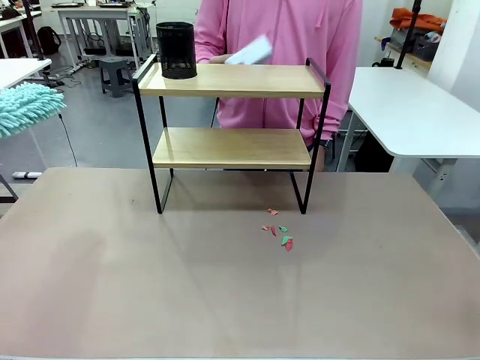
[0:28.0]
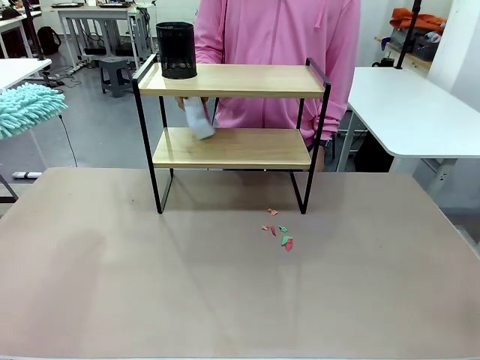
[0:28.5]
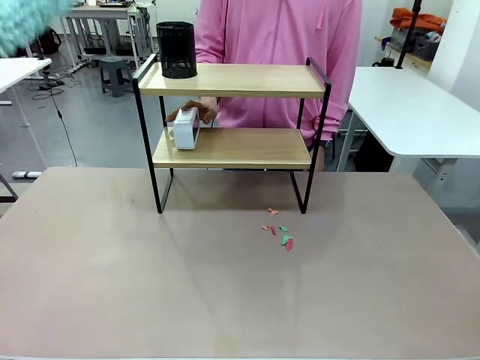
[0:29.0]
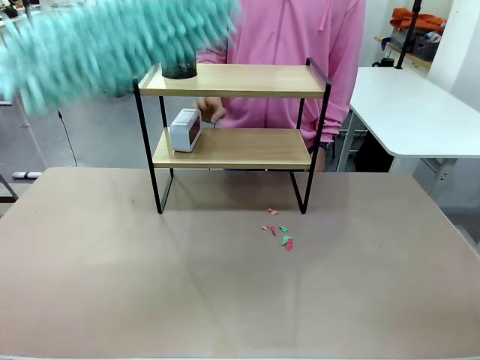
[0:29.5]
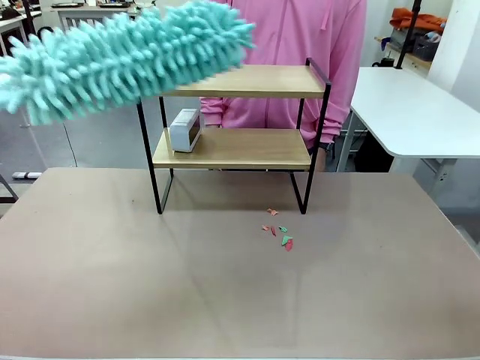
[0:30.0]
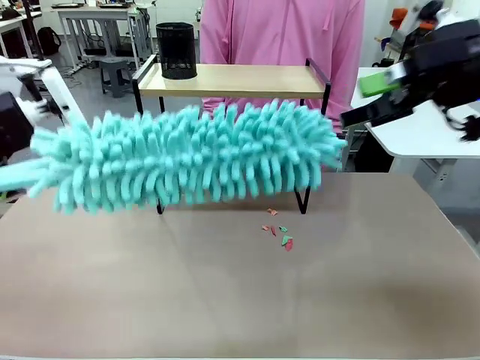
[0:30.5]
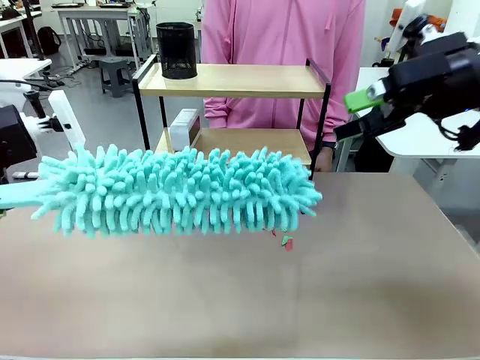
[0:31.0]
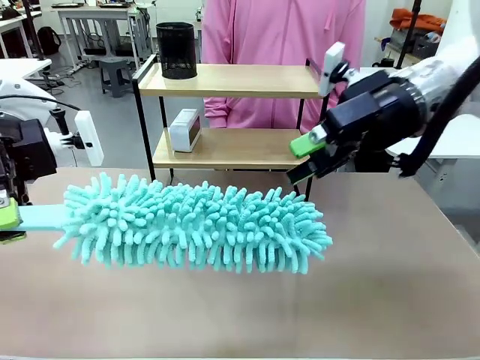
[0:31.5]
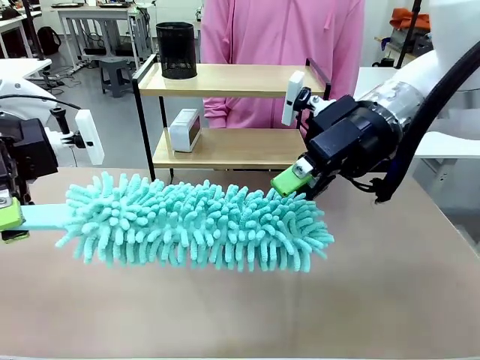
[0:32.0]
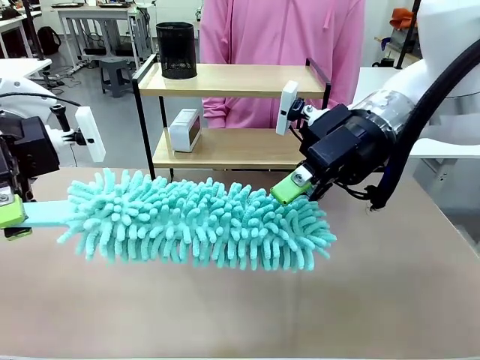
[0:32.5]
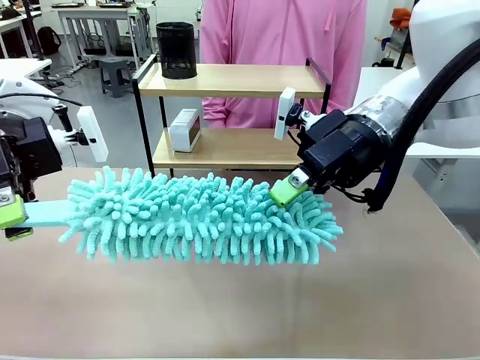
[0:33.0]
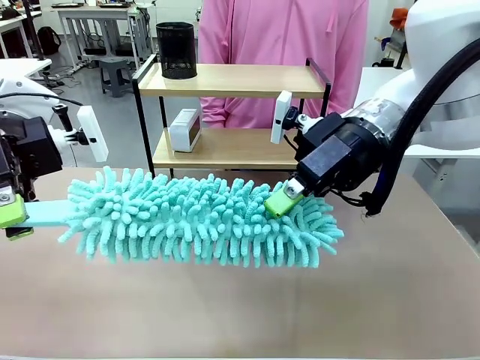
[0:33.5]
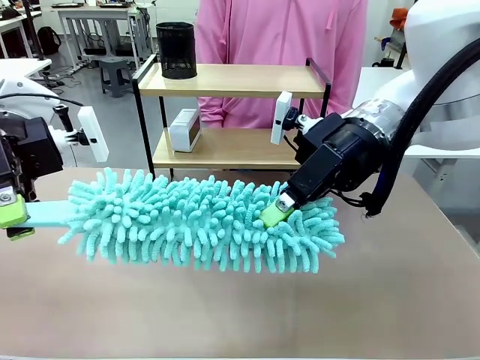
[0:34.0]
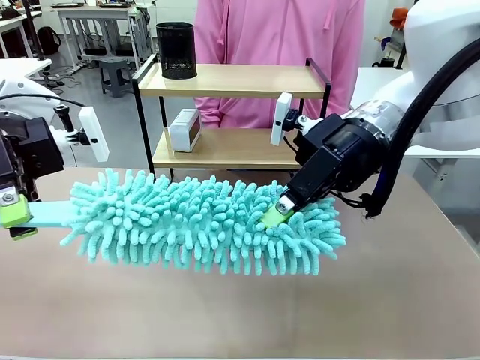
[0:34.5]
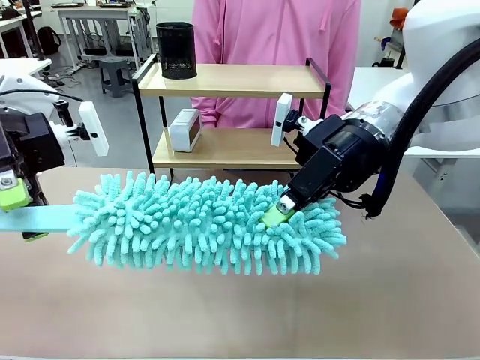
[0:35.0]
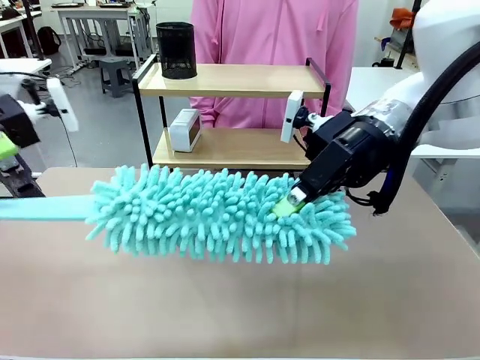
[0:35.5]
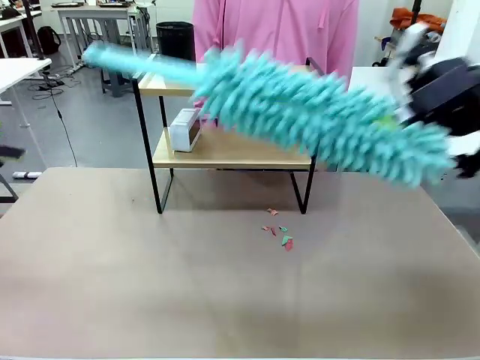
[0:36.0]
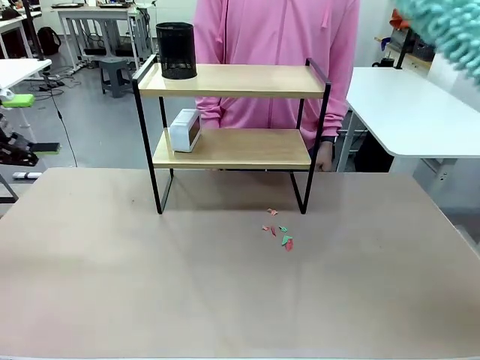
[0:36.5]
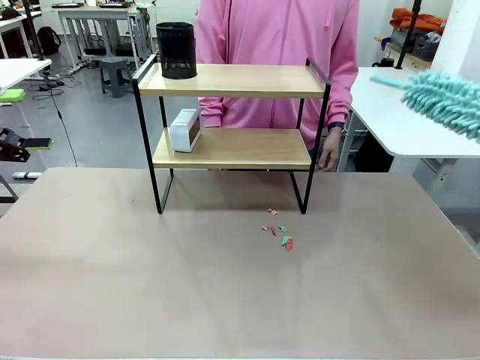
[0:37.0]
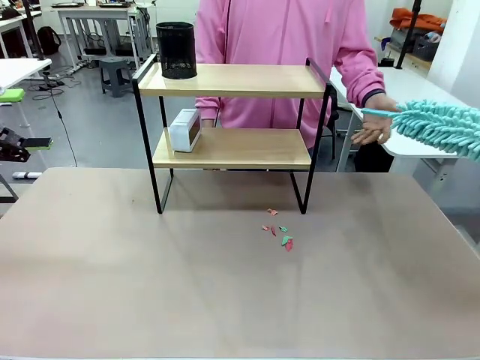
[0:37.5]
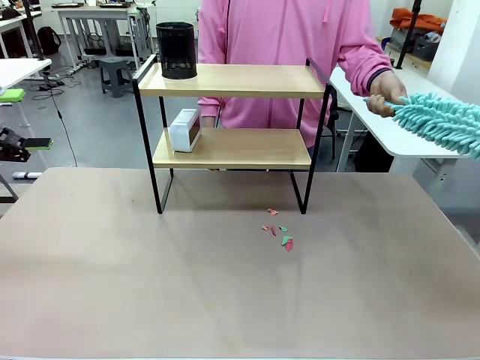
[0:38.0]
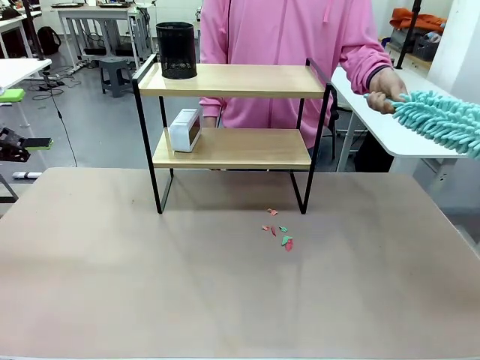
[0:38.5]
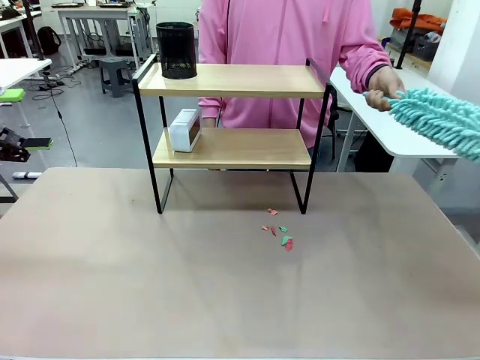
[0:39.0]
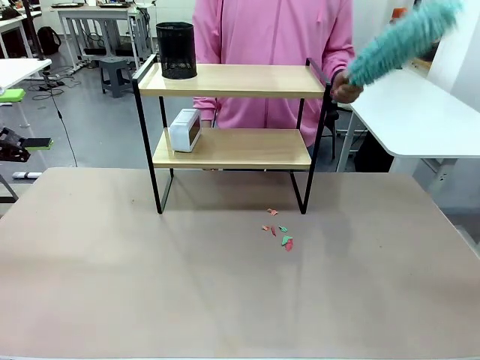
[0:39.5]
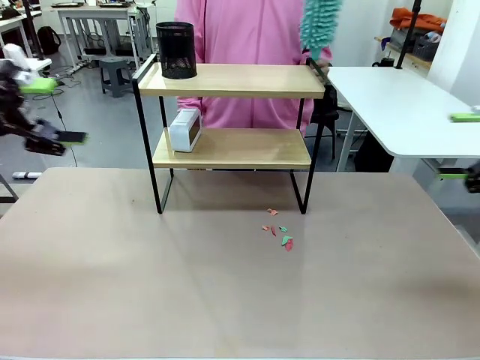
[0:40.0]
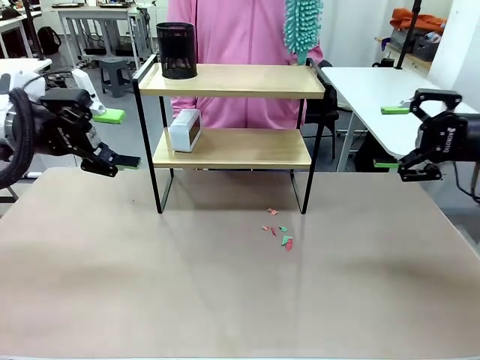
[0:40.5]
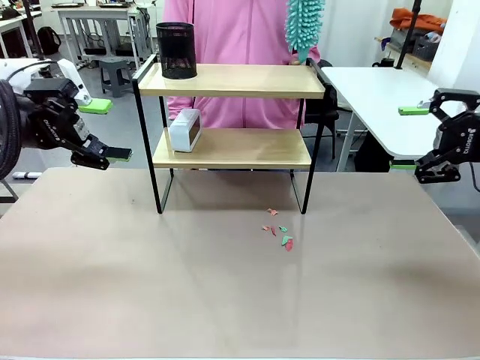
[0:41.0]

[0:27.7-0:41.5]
Task: Clean the shelf.
Robot: Hand the Duster back to the human.
Person: Receive the Duster from the robot.

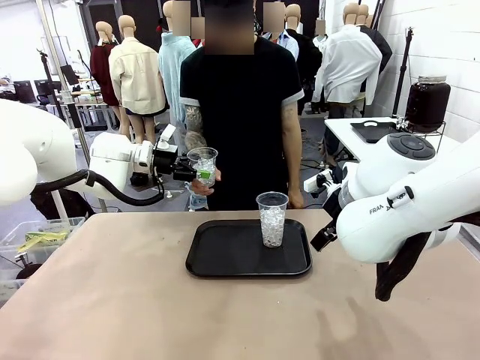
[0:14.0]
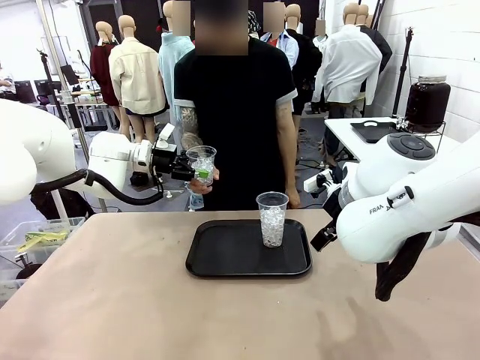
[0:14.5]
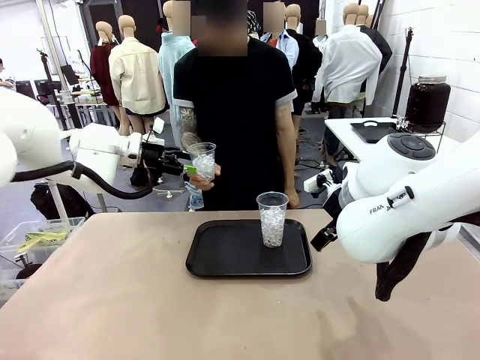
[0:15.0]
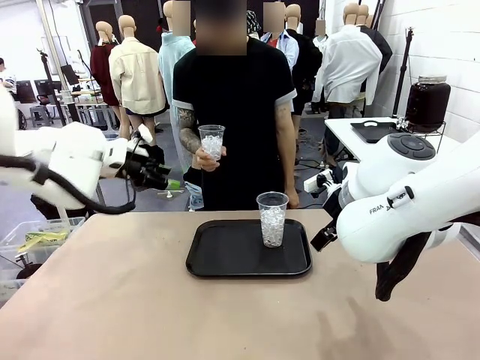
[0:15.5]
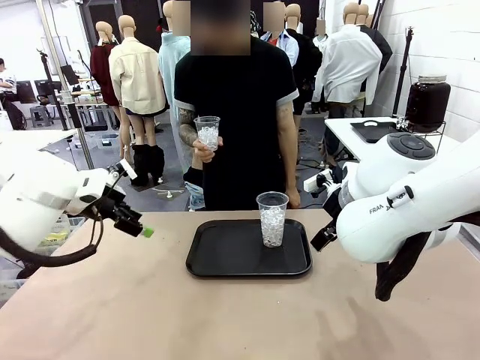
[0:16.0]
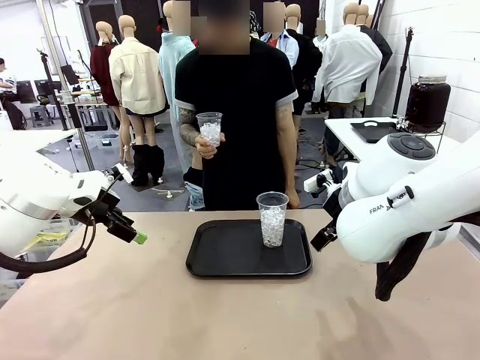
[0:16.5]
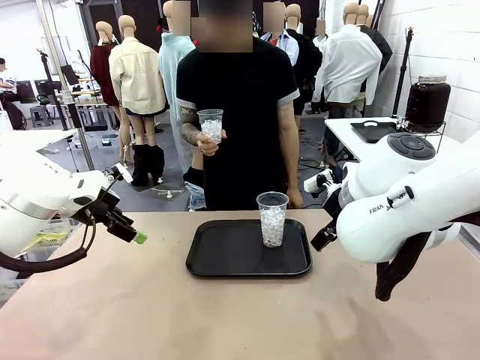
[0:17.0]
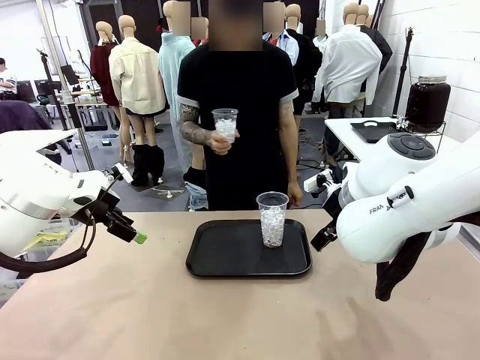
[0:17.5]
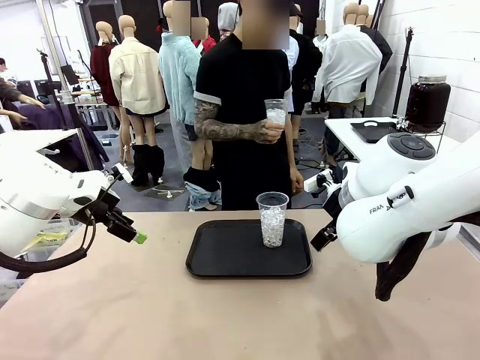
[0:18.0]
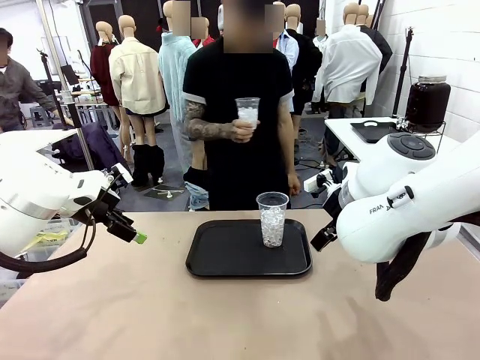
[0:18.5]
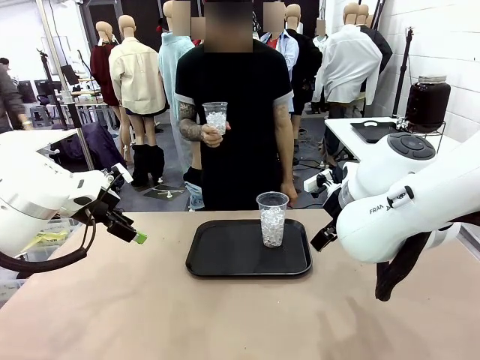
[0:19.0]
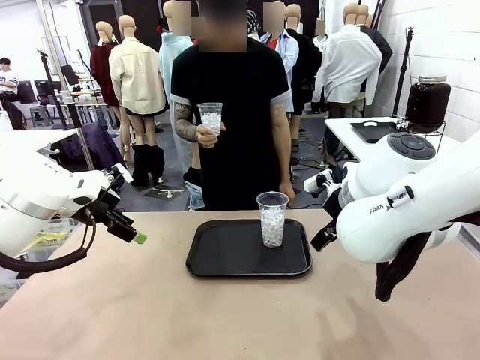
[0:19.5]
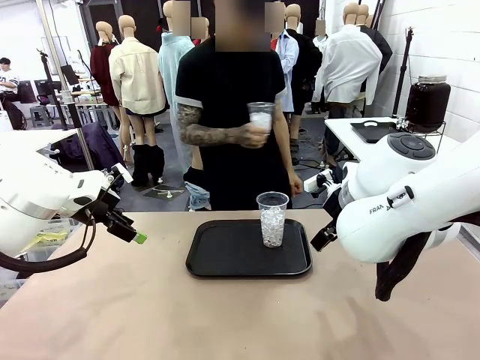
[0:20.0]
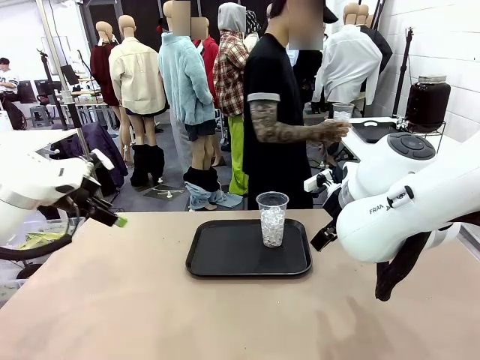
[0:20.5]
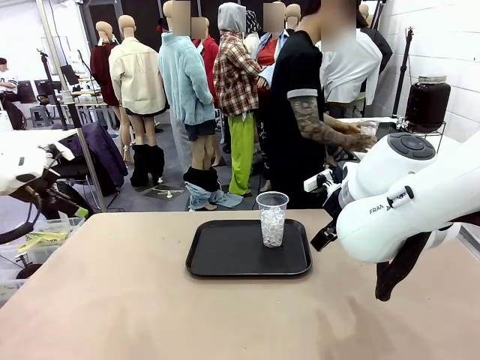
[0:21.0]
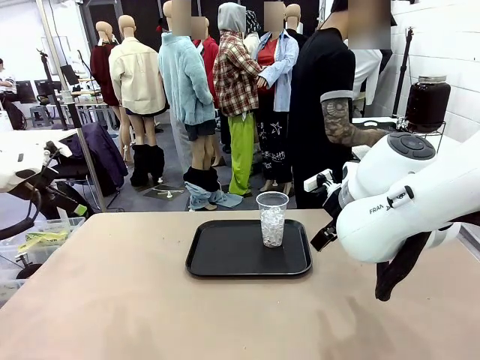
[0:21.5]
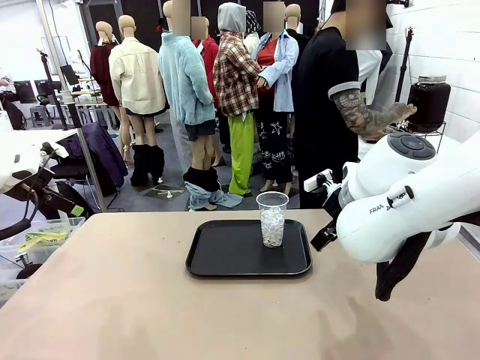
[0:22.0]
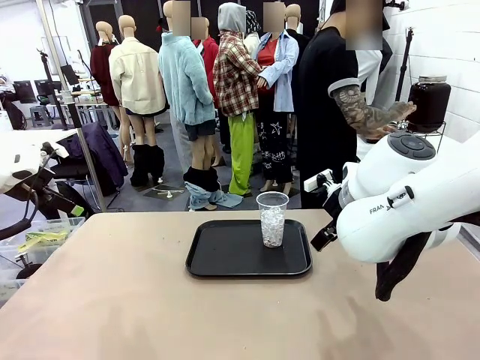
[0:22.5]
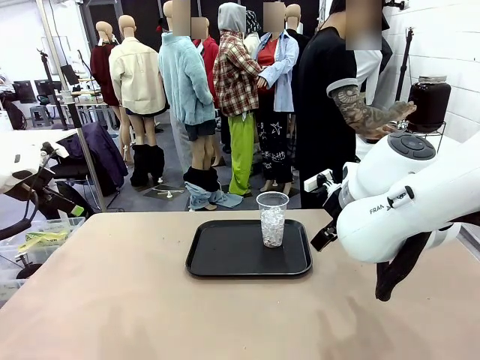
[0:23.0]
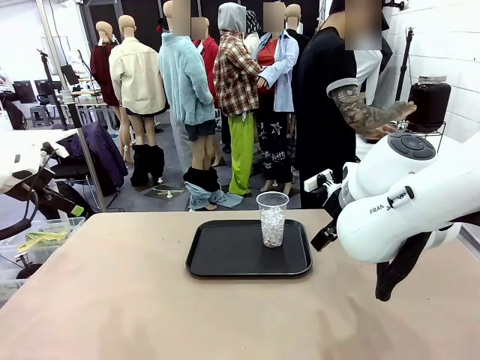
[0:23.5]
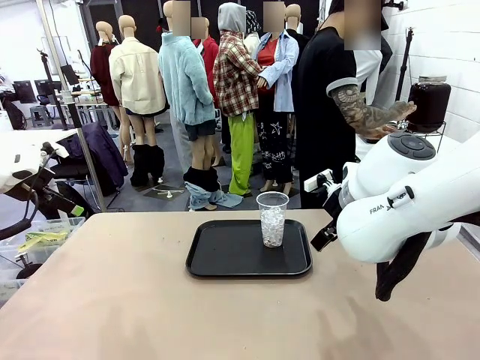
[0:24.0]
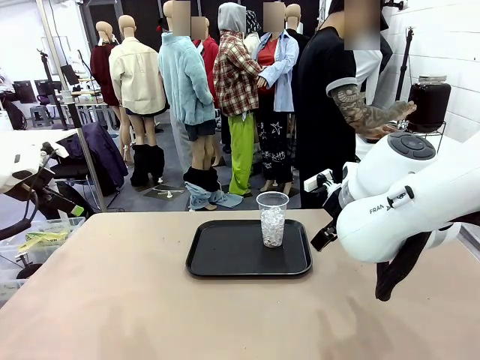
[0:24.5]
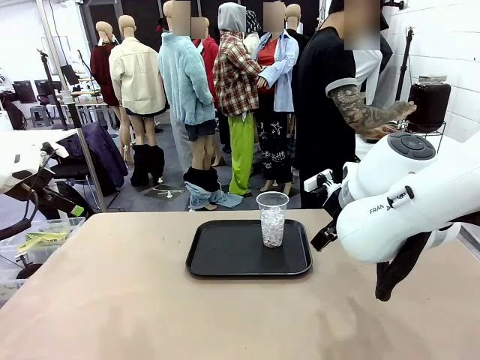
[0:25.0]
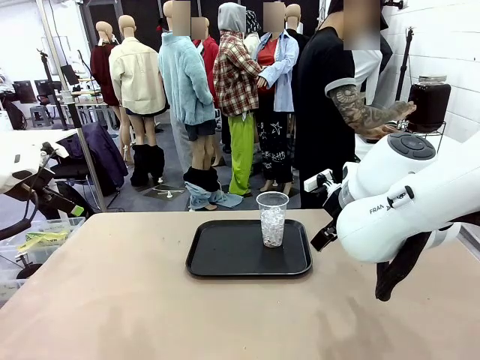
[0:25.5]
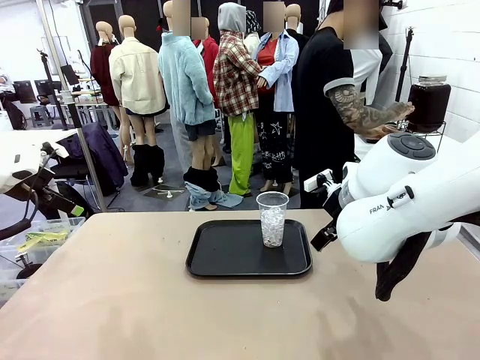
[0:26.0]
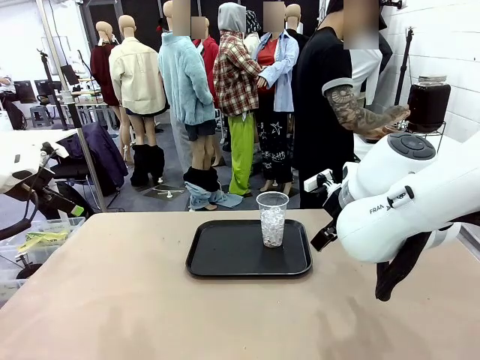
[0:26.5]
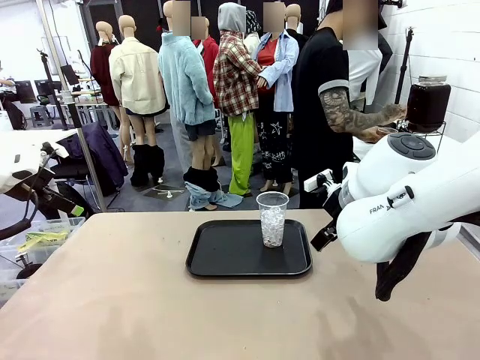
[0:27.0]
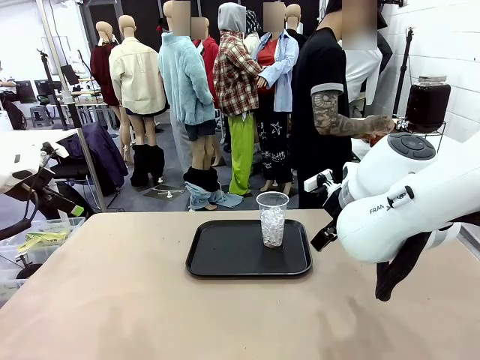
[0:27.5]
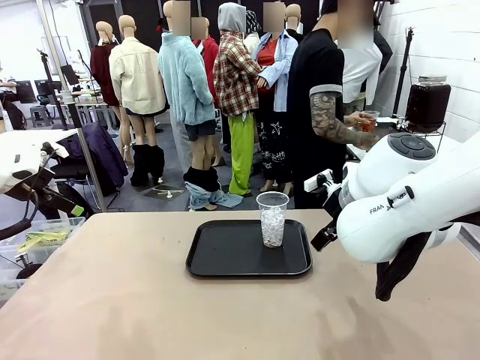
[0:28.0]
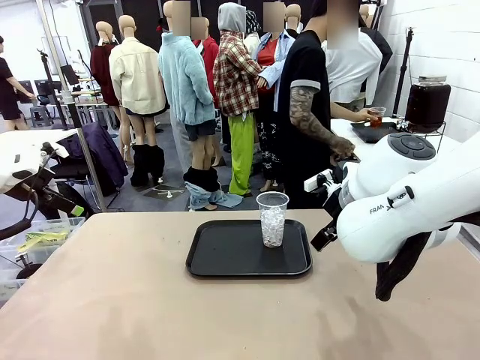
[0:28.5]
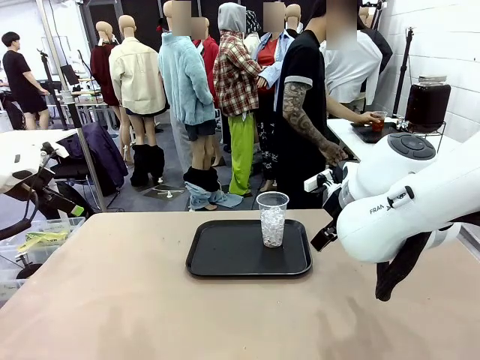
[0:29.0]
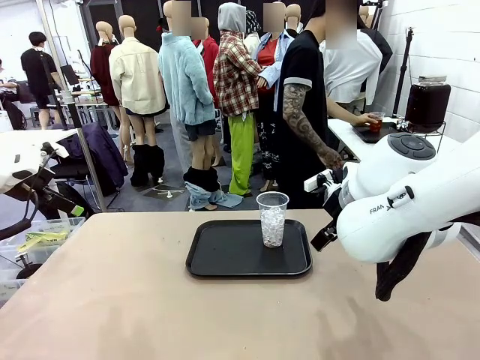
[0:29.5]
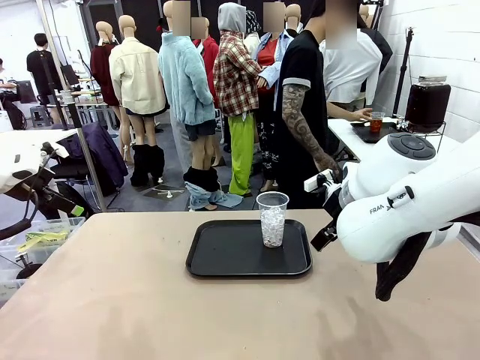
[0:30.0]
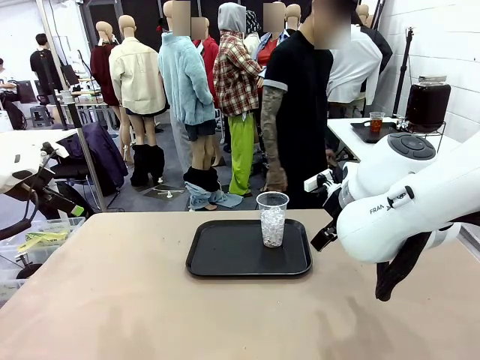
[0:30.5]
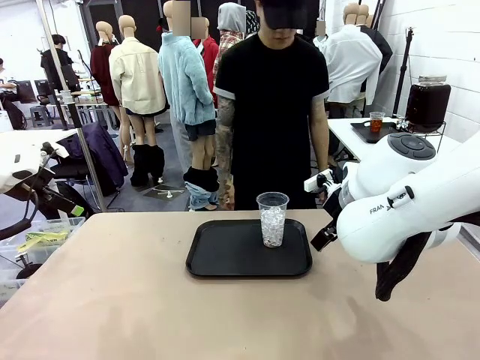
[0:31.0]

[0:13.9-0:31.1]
Task: Pour the drink into the iced cup.
Robot: Pick up the iced cup indicated by the human and present it to them.
Person: Move the picked-up cup under the dispenser faucet, pour the drink, and place it on the tray on the human table.
